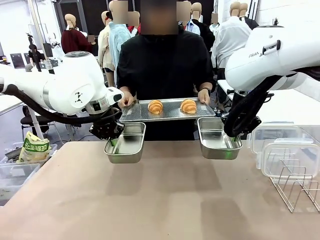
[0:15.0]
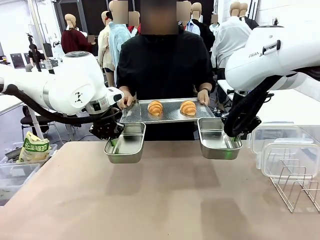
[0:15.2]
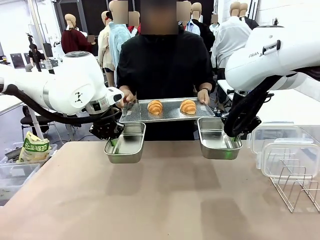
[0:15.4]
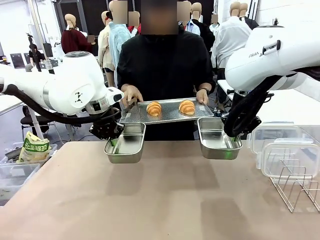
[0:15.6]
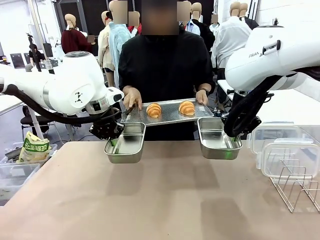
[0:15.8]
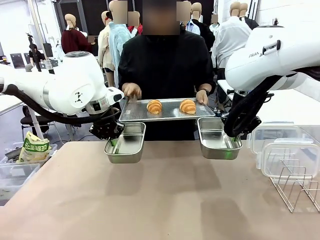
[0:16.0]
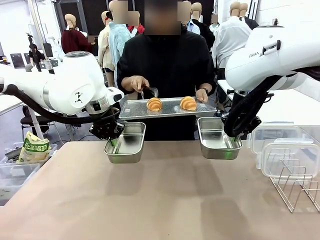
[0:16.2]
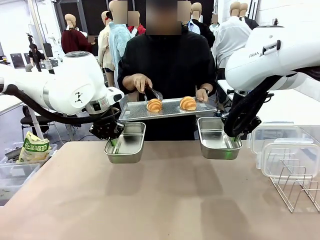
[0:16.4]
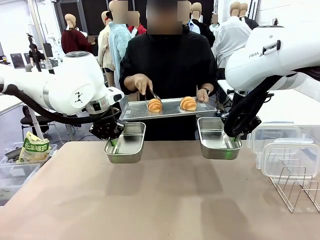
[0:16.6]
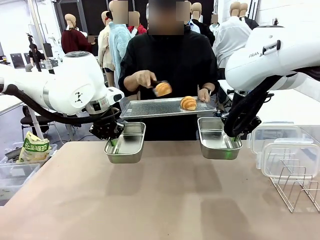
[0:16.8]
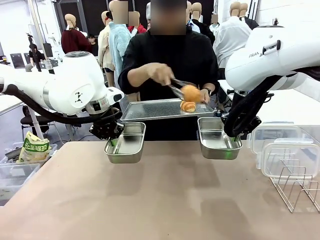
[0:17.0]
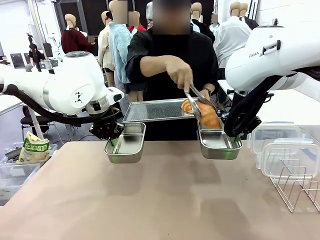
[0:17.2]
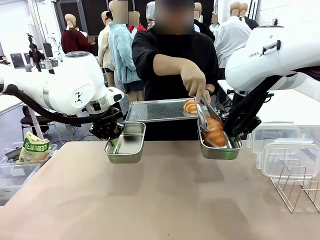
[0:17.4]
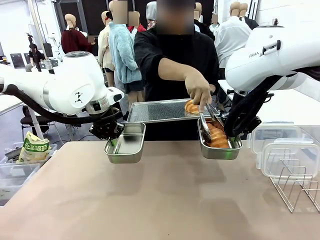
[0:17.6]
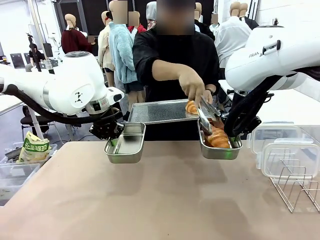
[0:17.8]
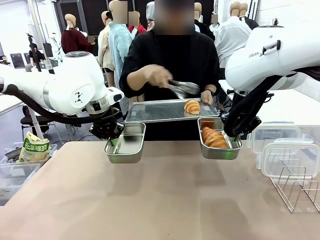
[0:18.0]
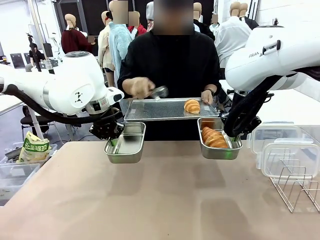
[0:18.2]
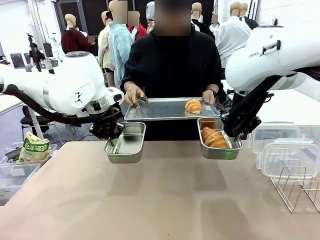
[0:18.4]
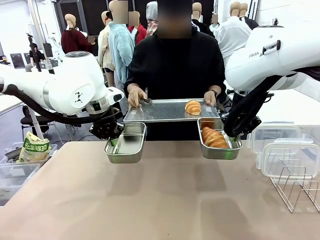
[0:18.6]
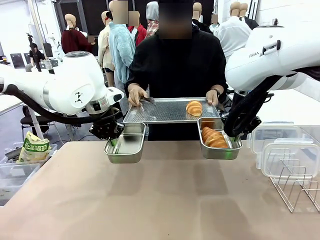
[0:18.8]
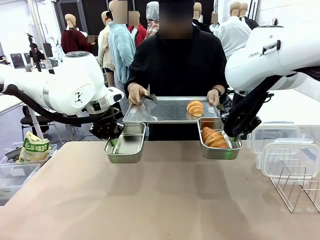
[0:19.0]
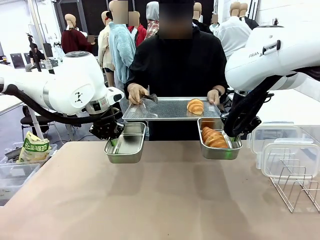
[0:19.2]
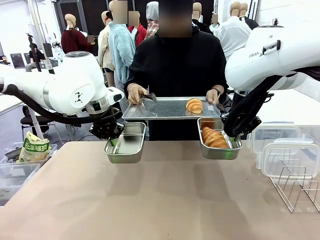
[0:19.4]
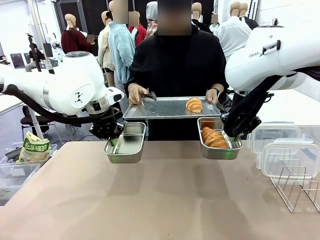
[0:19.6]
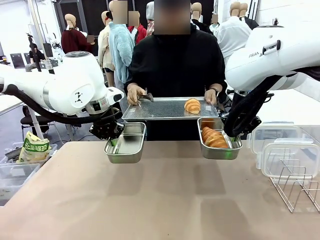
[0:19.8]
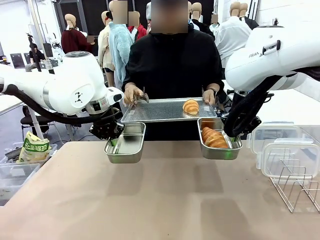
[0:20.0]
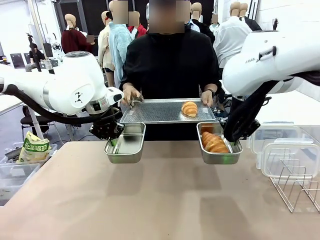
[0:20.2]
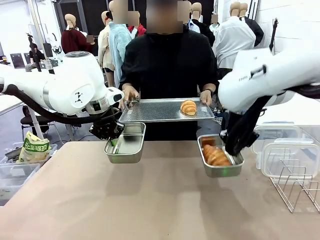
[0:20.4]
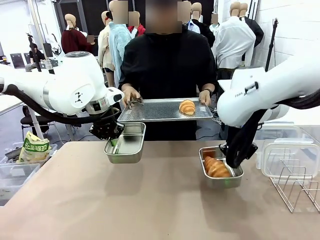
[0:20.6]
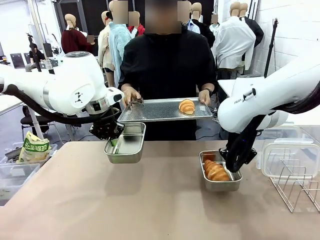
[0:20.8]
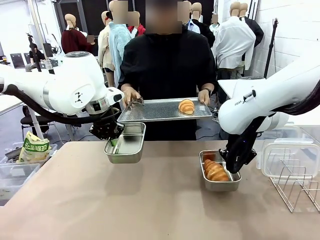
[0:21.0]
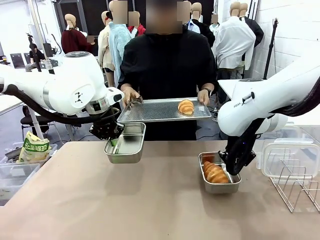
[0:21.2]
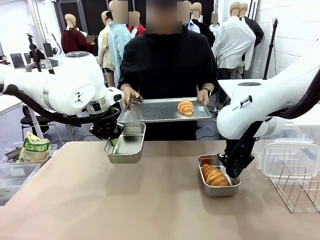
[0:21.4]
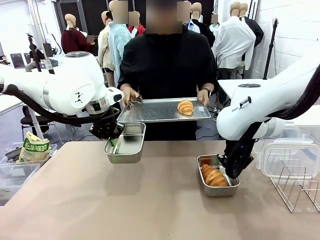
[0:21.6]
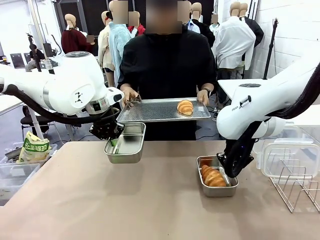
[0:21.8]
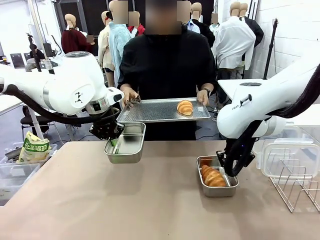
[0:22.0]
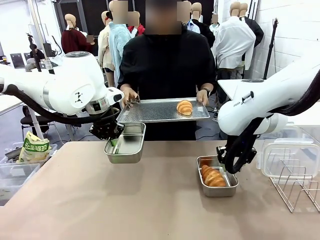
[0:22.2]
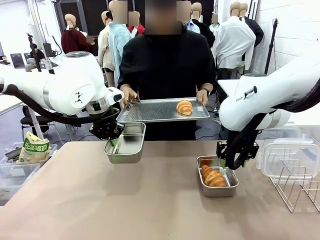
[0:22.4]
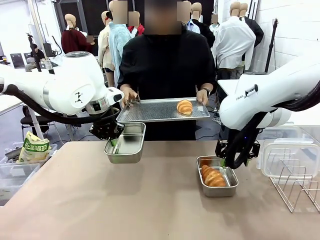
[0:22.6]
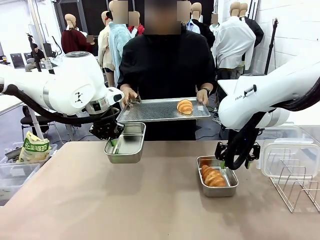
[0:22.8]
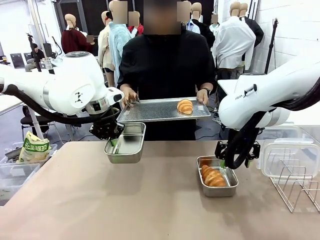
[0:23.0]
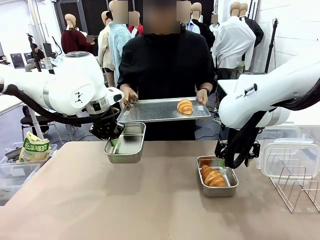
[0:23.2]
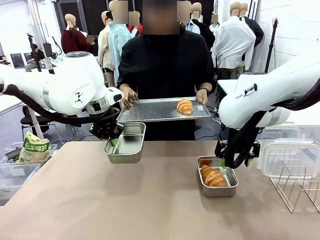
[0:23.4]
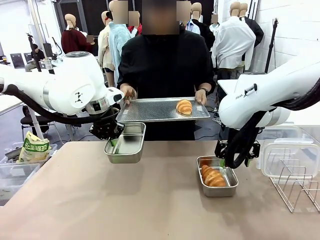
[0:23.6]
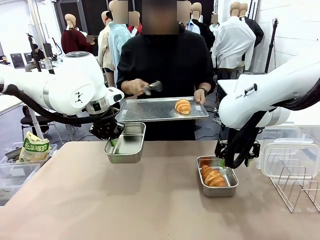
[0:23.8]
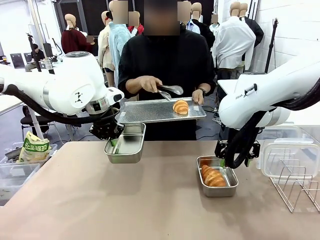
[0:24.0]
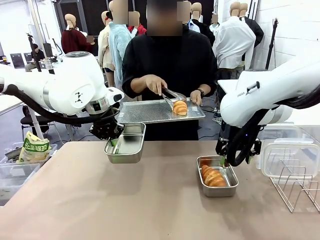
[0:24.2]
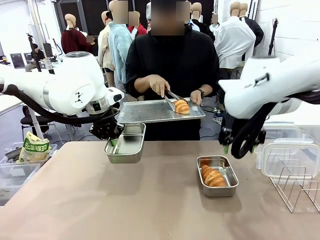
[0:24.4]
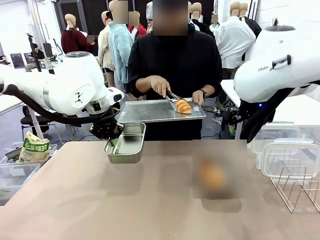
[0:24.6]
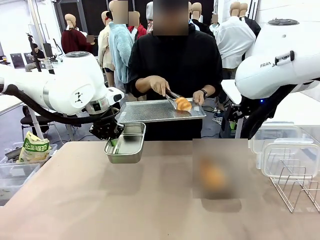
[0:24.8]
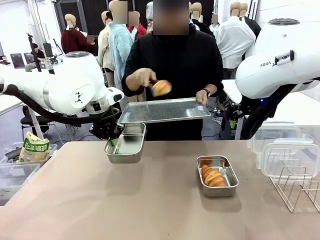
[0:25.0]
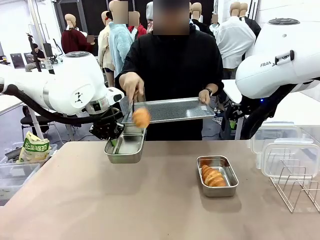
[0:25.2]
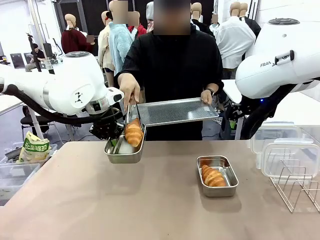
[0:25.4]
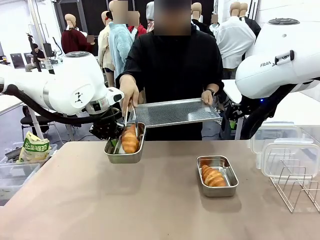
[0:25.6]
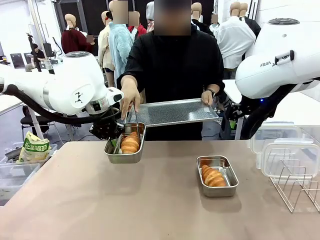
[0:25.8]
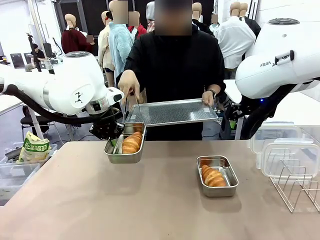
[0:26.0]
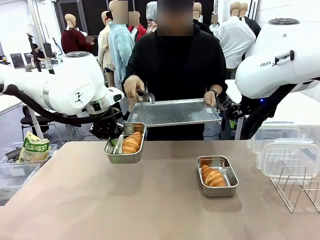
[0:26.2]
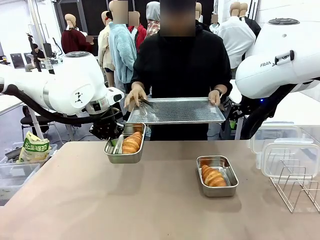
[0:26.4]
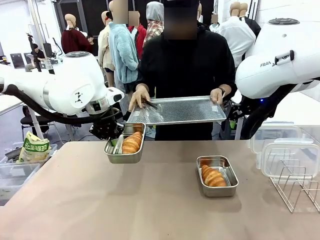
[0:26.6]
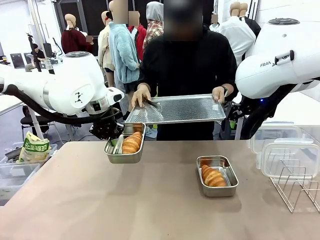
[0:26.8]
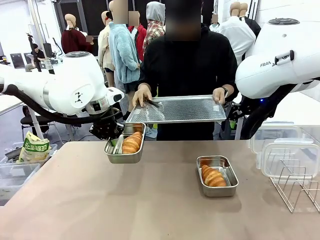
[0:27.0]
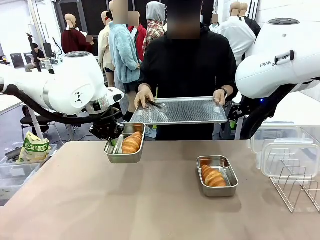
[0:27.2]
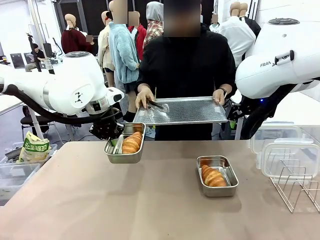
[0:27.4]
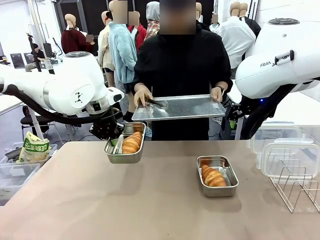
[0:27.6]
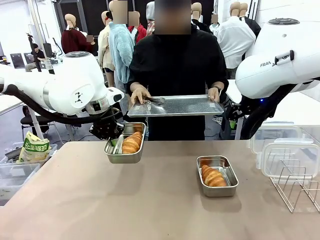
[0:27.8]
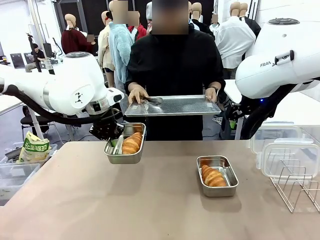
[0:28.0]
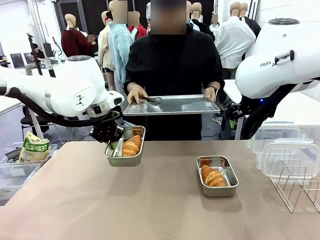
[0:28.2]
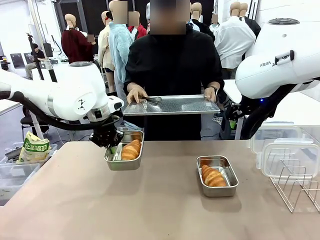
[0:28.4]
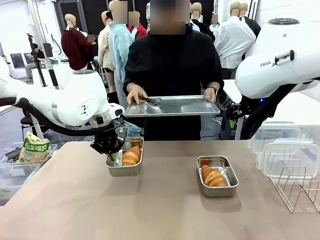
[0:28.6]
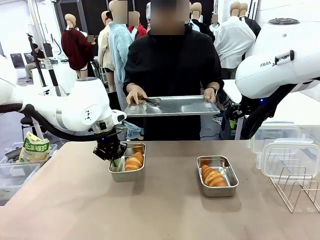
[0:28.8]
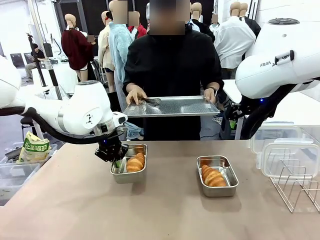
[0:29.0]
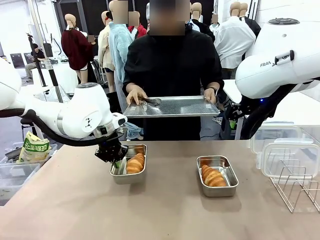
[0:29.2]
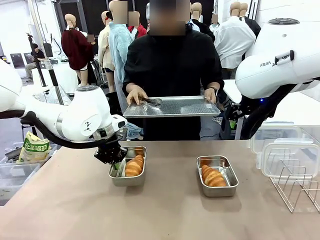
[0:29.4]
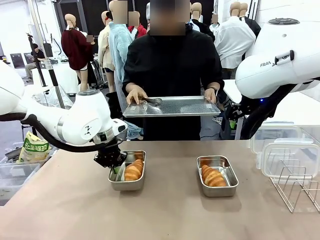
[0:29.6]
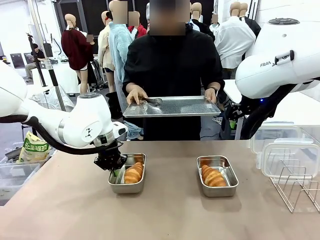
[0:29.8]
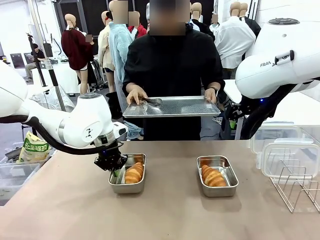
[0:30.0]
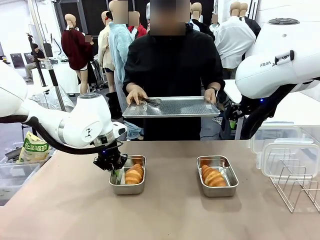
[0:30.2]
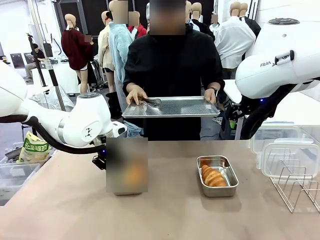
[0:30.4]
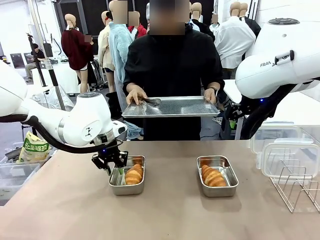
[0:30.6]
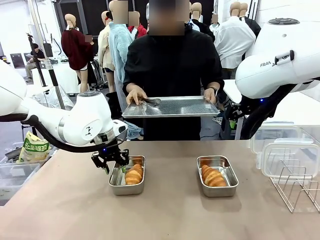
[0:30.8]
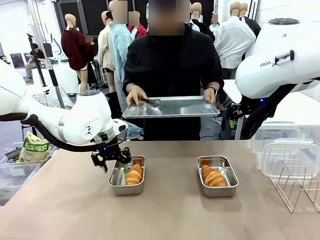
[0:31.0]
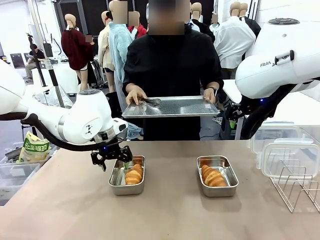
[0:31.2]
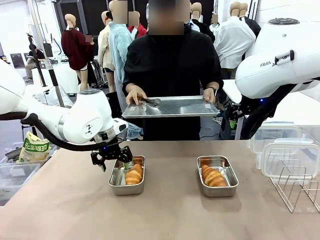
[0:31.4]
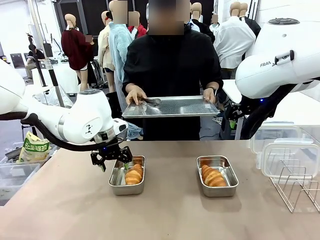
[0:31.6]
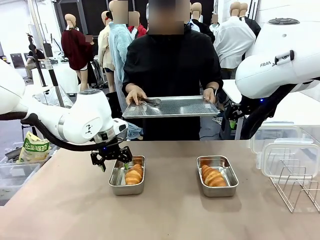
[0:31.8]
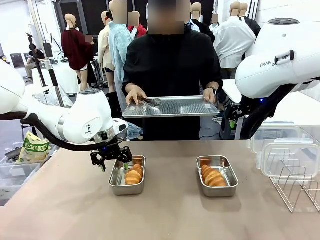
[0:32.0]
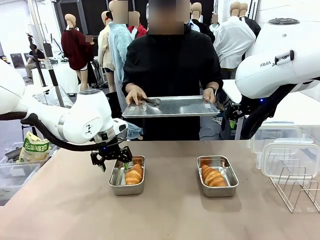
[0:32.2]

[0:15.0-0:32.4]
Task: Place the bread in airtight containers.
Robot: Once an object is inside an Airtight Container , place the container in the center of the table.
Person: Use the Stainless steel tongs to place one object from Baking Sheet into one Airtight Container. Place Baking Sheet on the Human's Table.
